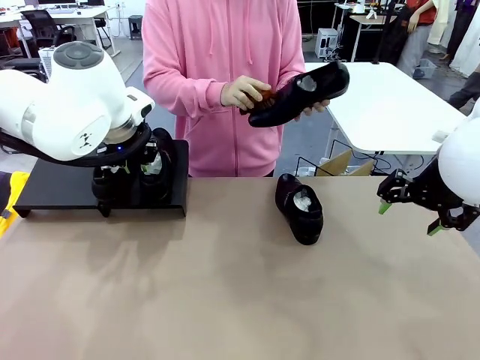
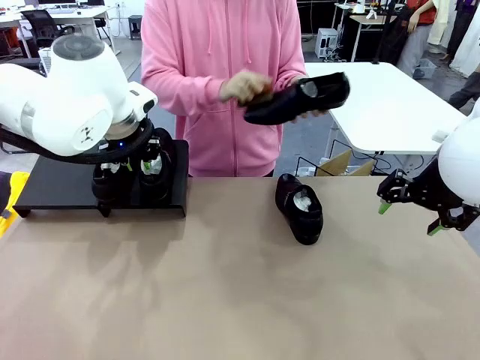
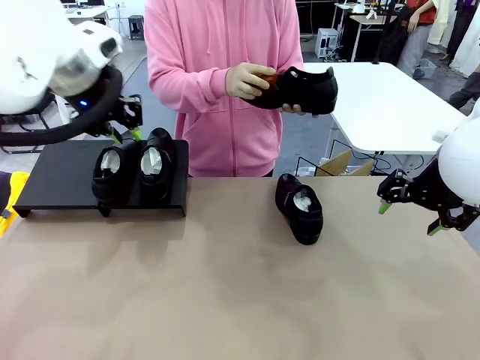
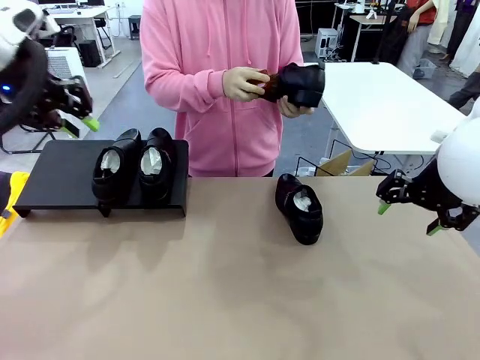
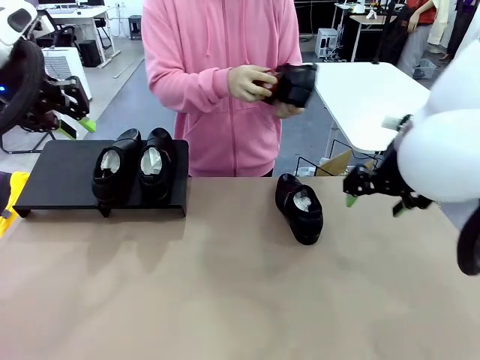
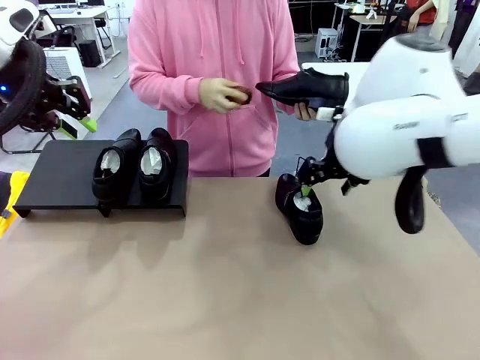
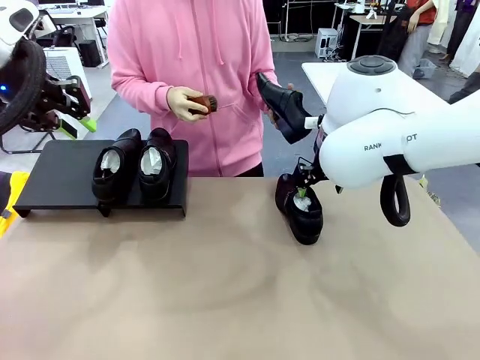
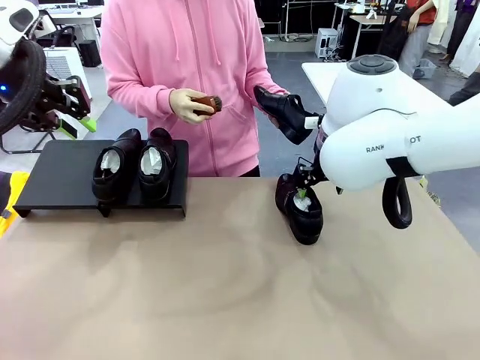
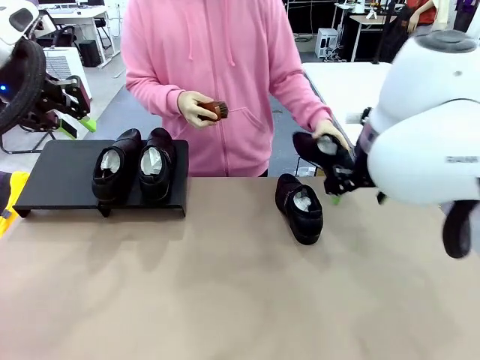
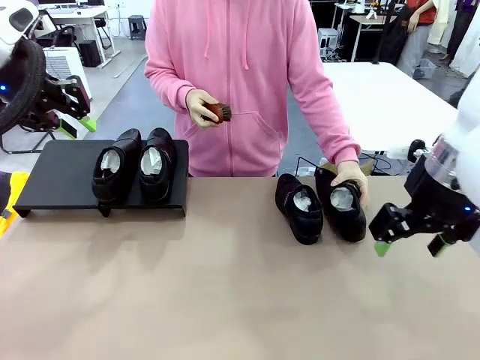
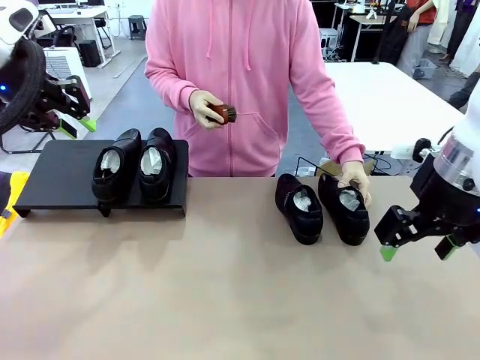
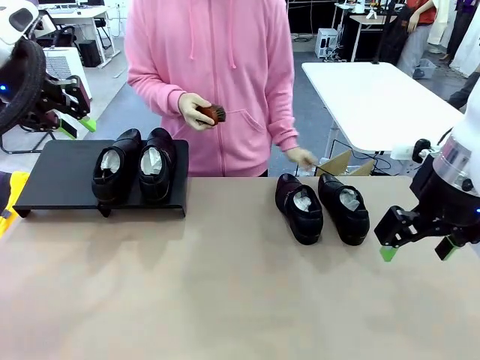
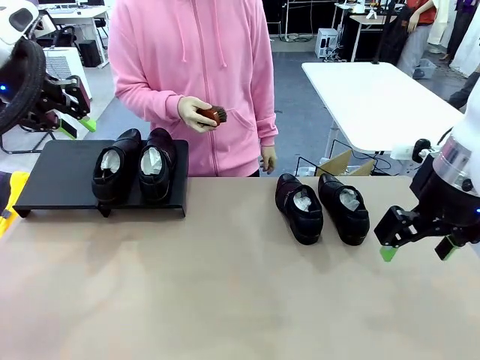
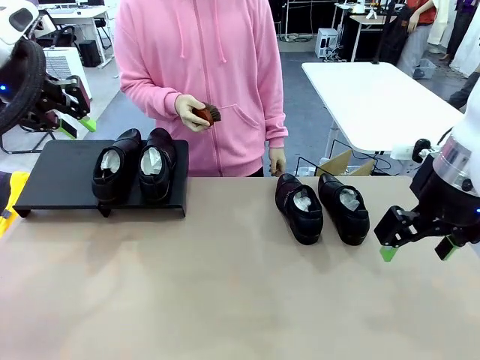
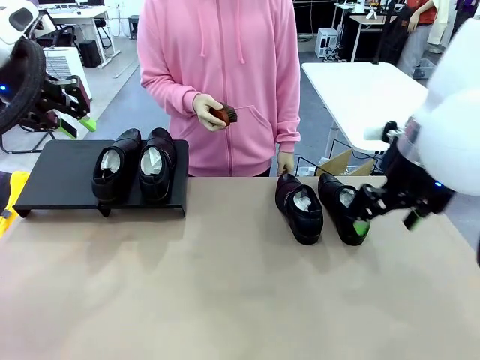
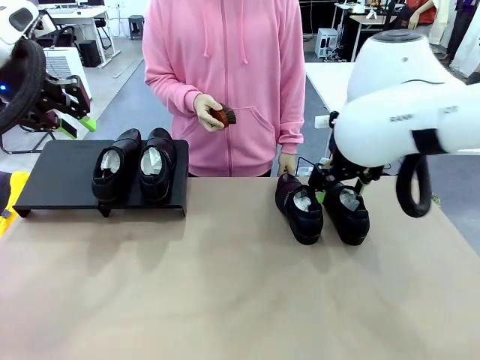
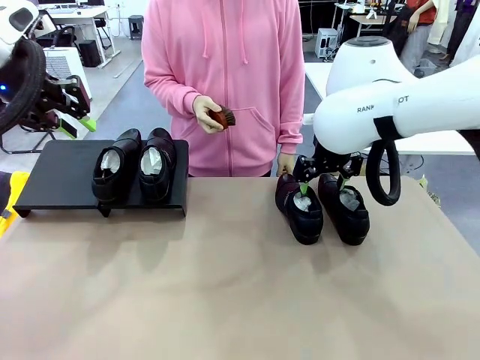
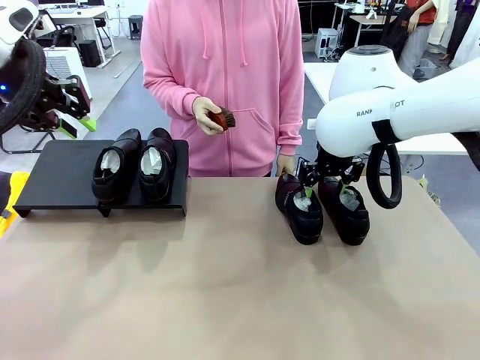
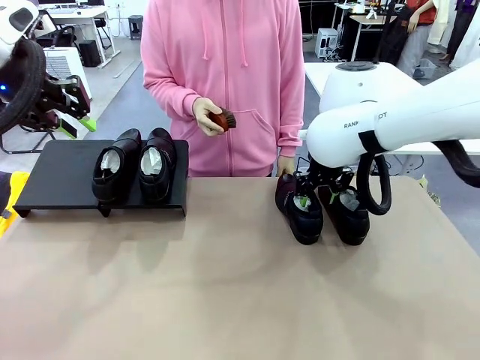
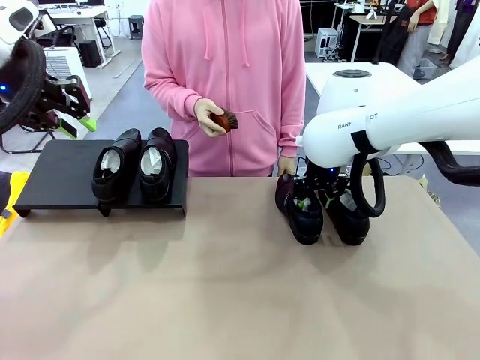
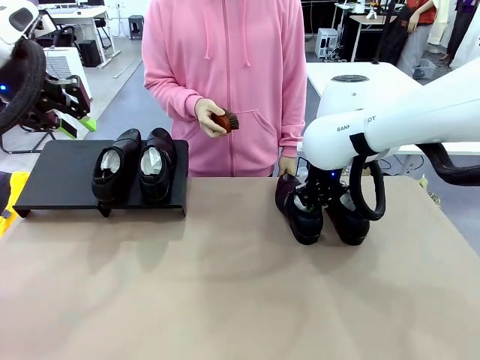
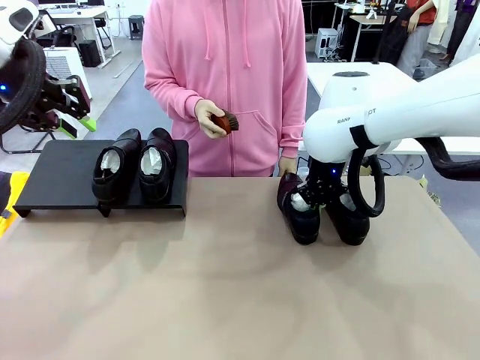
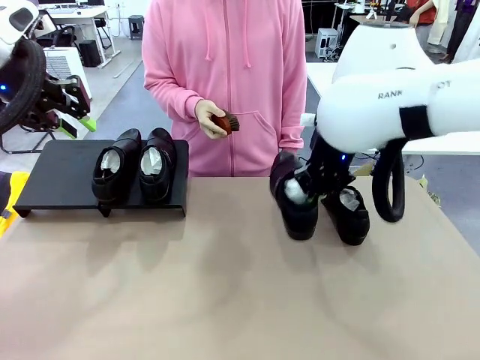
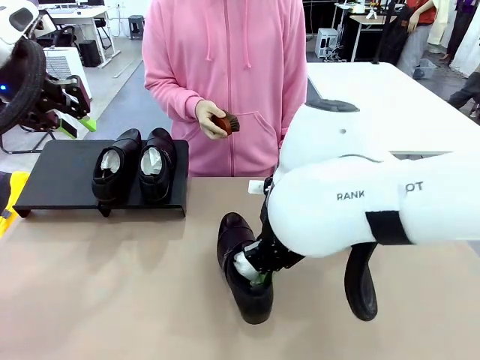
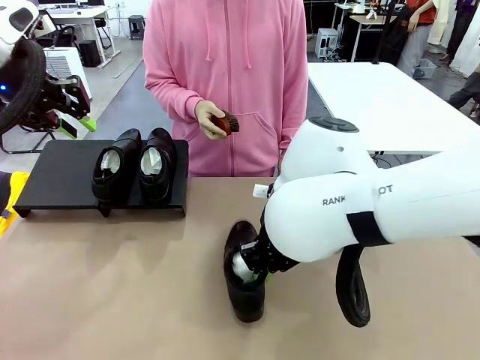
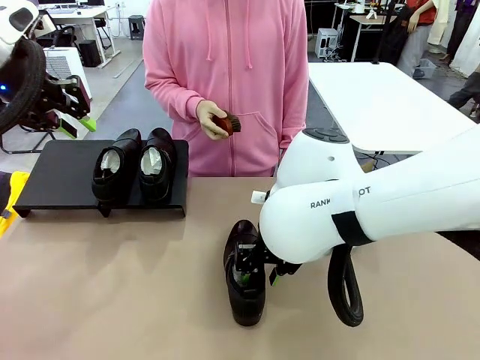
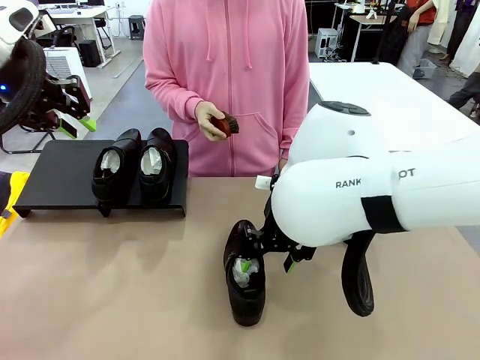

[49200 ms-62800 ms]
Task: Organize the shoes by placing them on the stand.
Robot: Pick up one Shoe and place it in the middle of the table.

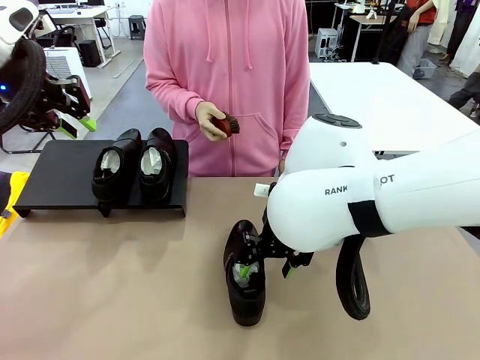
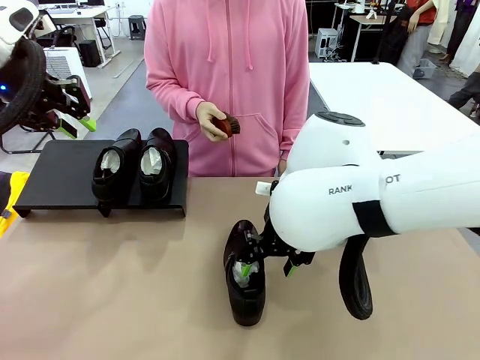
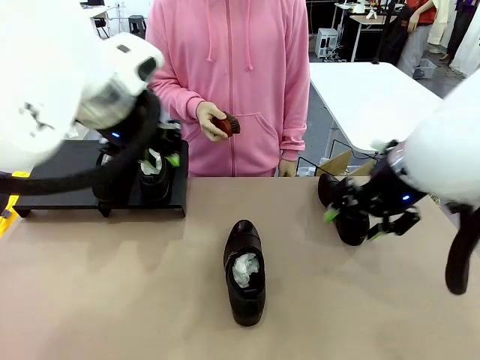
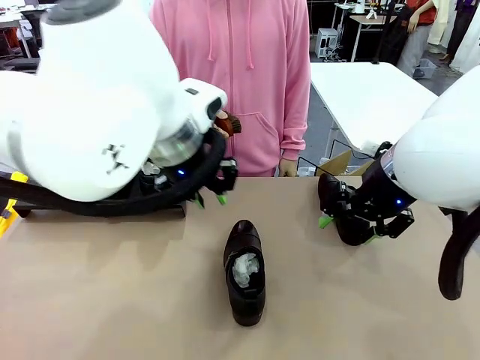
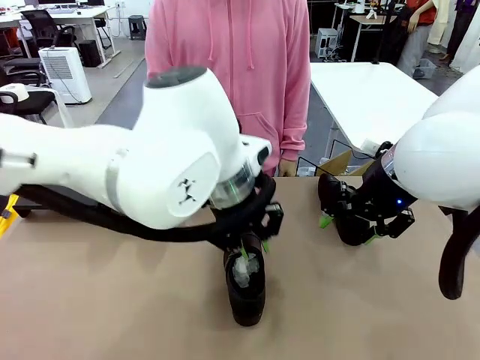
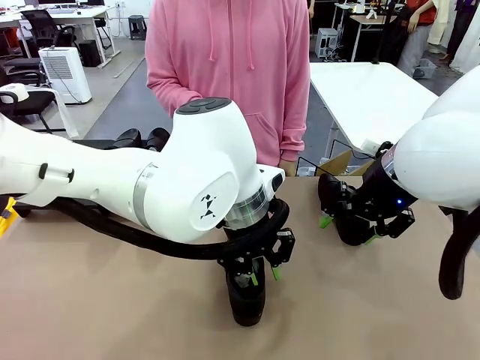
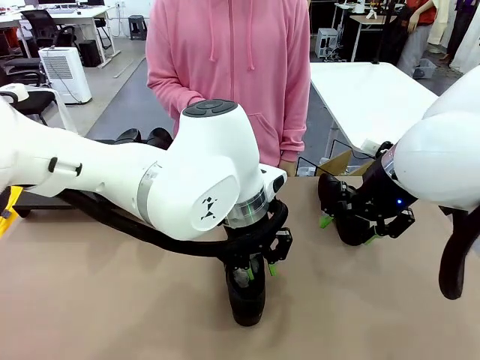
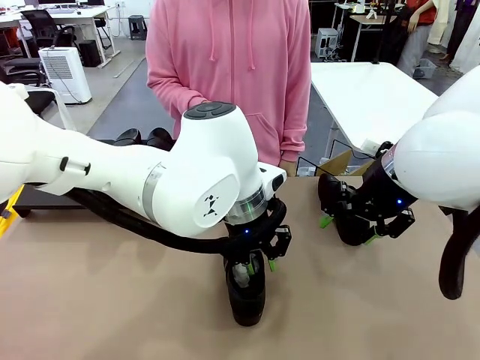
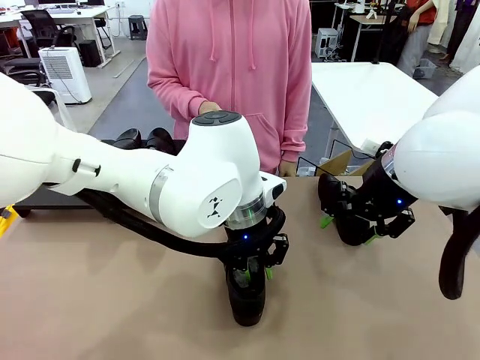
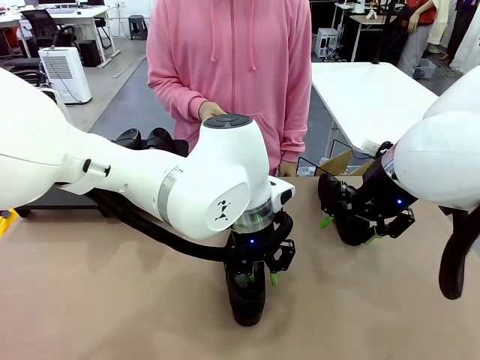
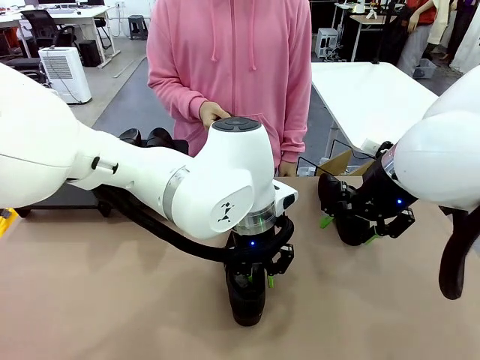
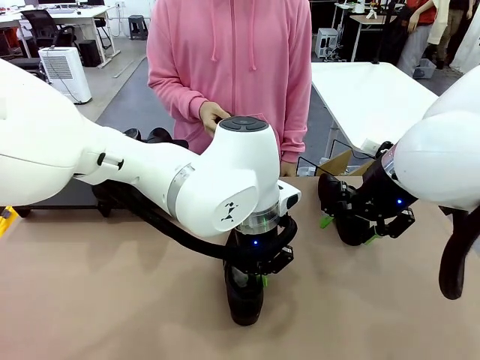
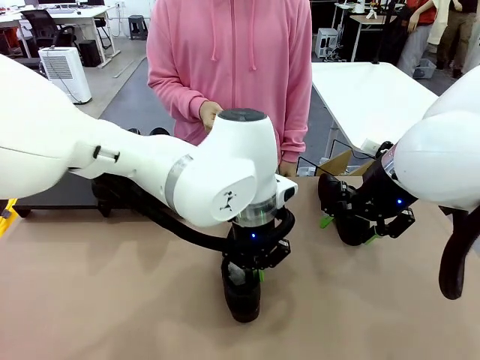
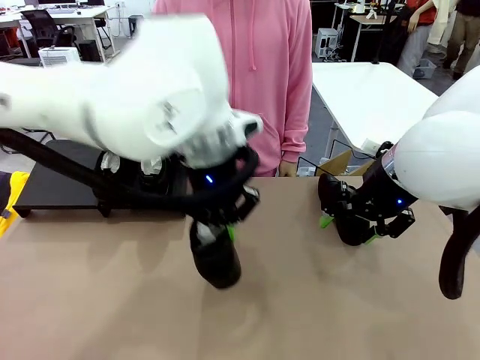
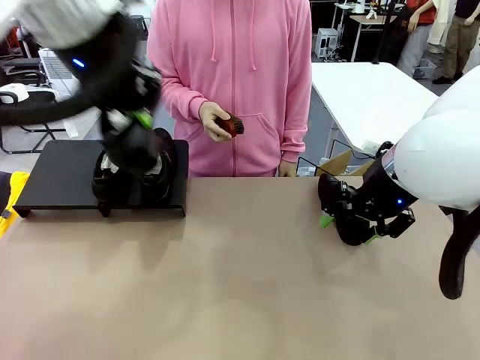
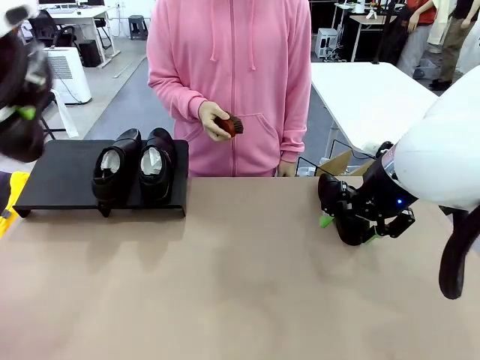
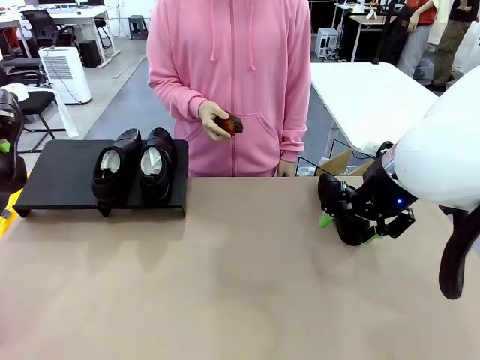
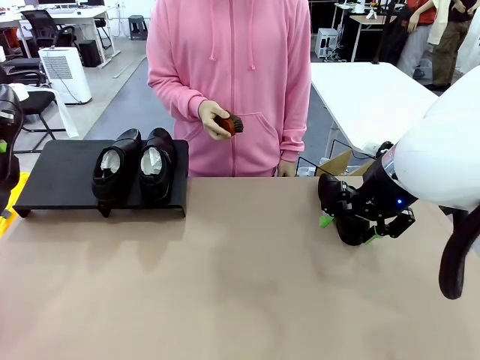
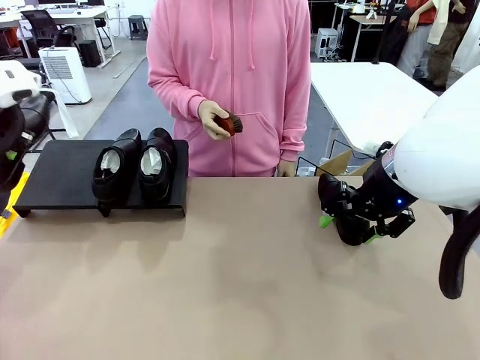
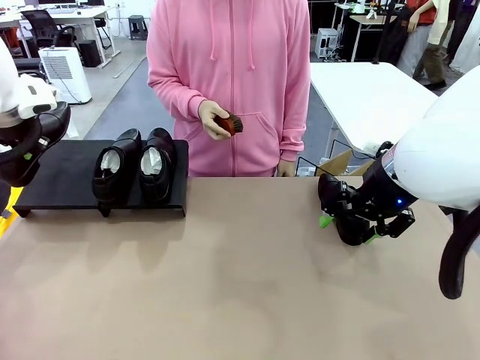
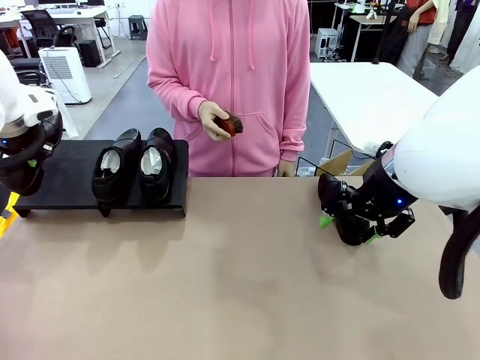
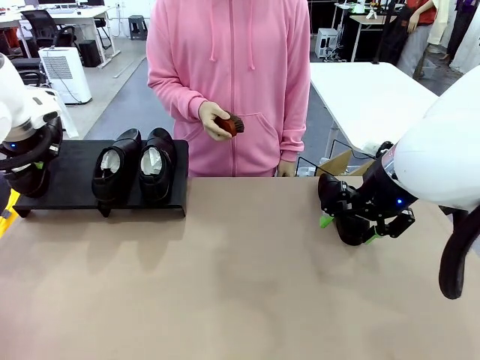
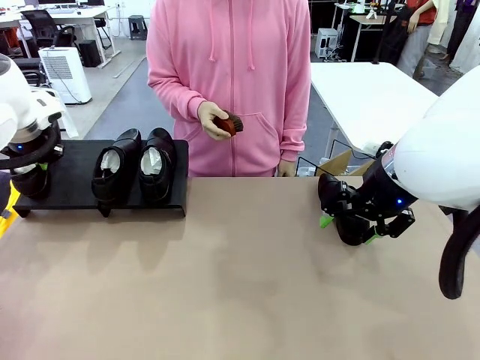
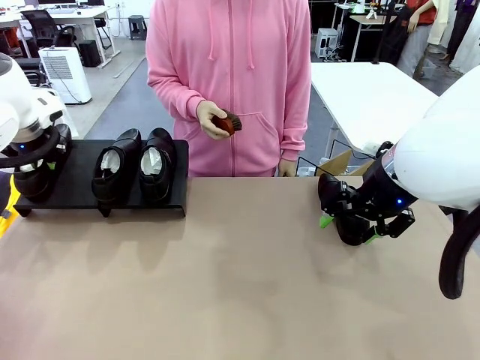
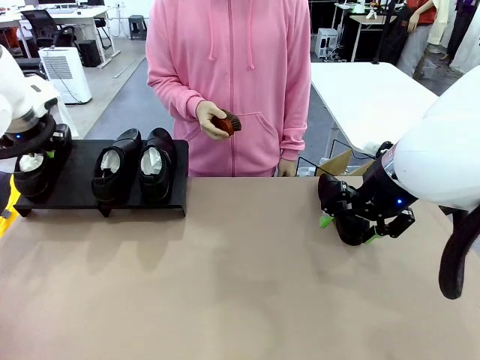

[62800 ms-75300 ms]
Robot: Place the Shoe from the middle of the table onto the Shoes Stand.
